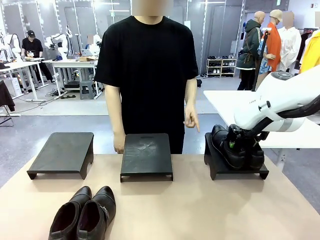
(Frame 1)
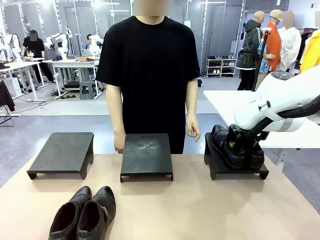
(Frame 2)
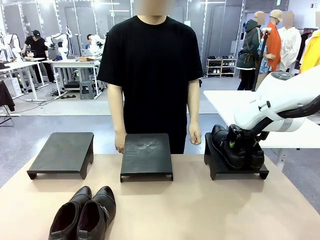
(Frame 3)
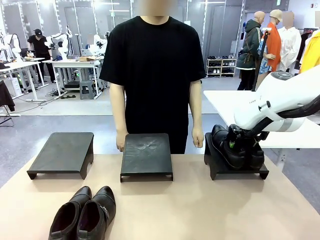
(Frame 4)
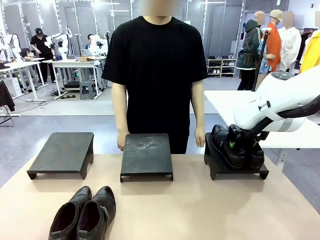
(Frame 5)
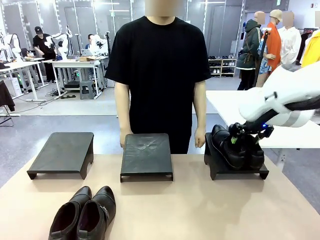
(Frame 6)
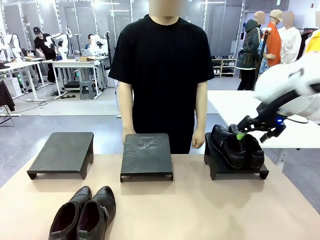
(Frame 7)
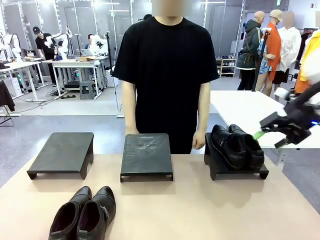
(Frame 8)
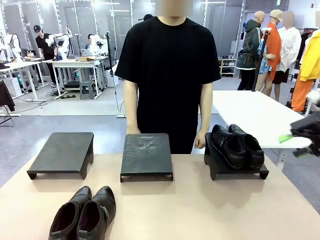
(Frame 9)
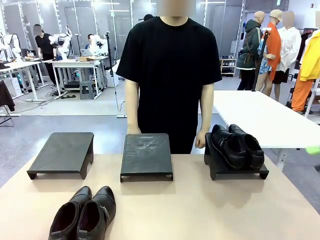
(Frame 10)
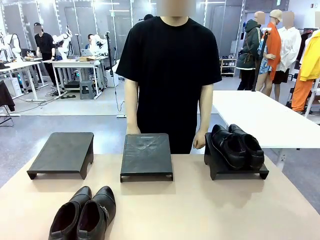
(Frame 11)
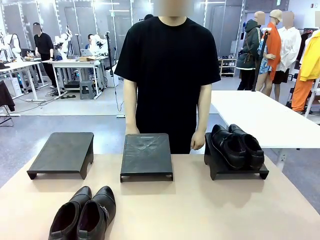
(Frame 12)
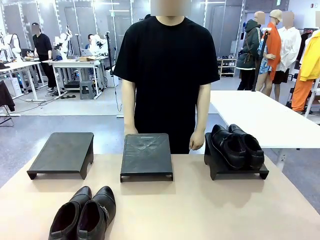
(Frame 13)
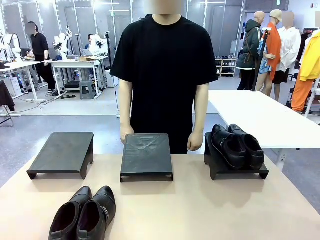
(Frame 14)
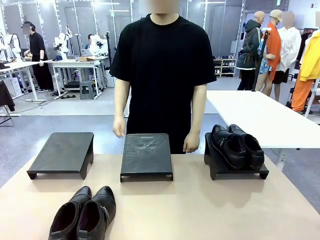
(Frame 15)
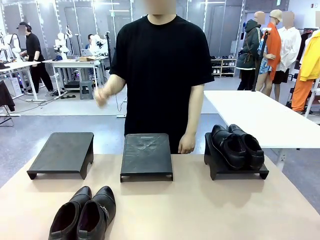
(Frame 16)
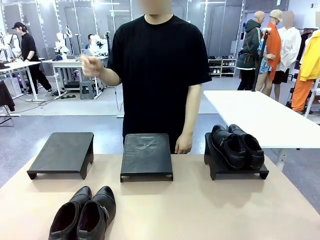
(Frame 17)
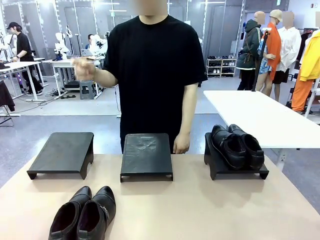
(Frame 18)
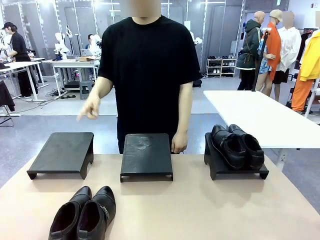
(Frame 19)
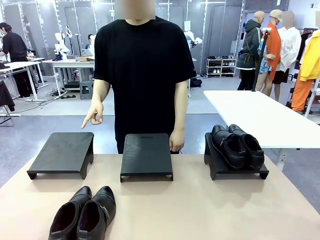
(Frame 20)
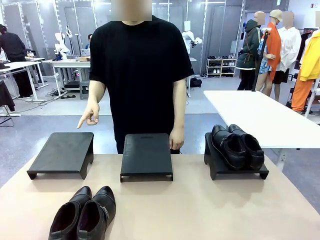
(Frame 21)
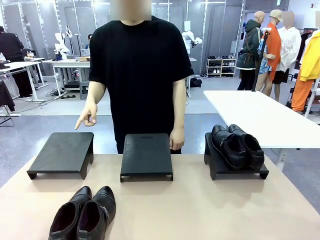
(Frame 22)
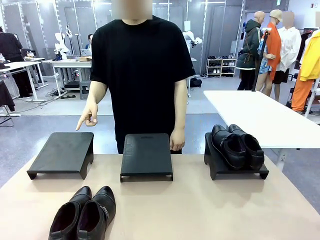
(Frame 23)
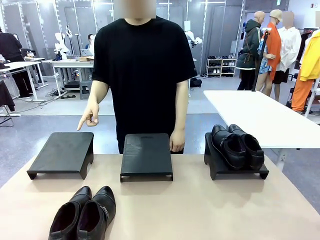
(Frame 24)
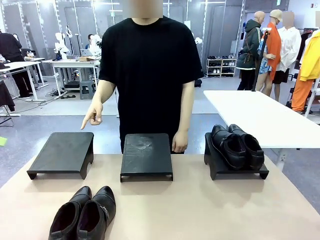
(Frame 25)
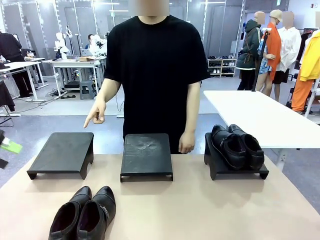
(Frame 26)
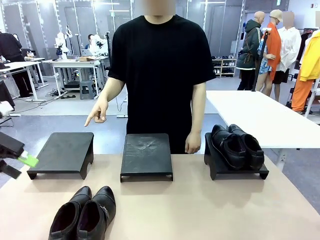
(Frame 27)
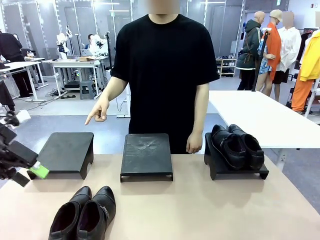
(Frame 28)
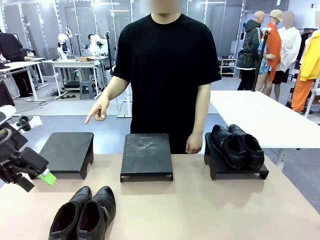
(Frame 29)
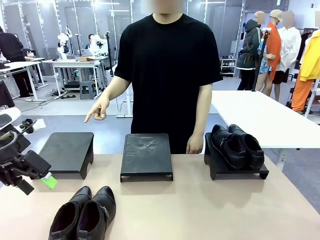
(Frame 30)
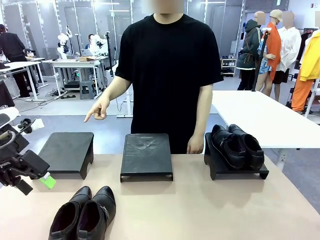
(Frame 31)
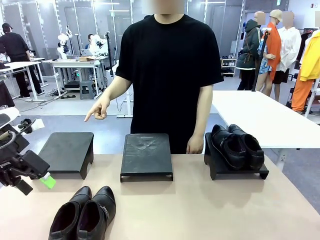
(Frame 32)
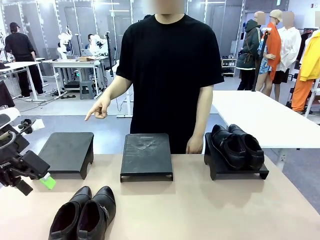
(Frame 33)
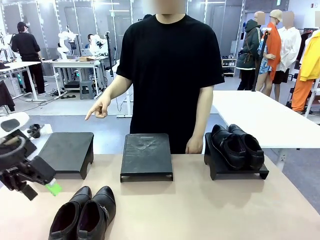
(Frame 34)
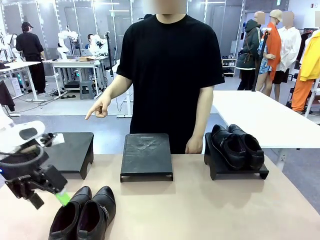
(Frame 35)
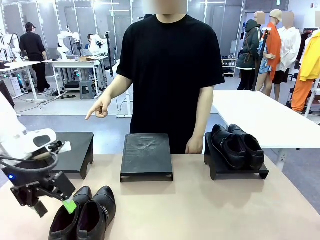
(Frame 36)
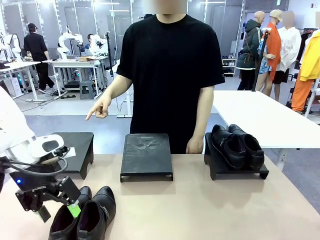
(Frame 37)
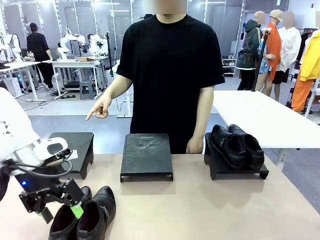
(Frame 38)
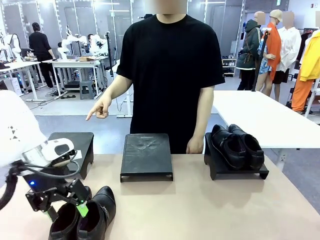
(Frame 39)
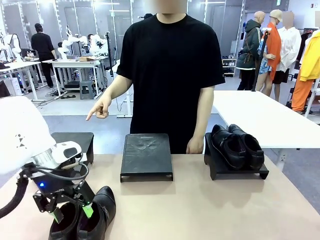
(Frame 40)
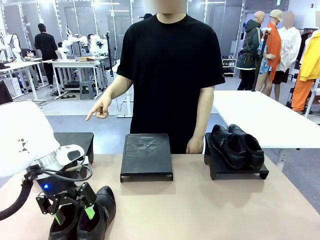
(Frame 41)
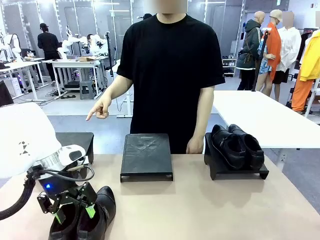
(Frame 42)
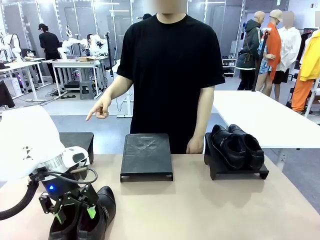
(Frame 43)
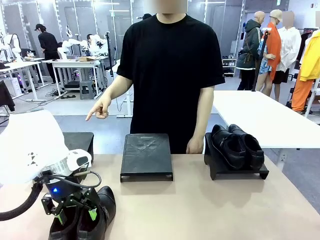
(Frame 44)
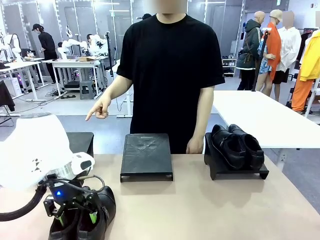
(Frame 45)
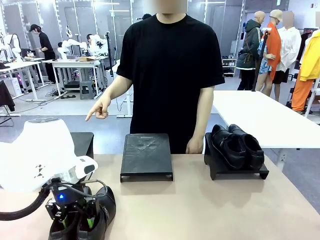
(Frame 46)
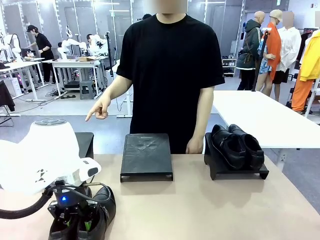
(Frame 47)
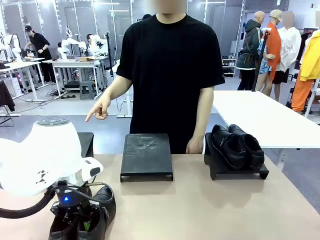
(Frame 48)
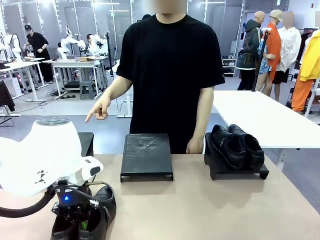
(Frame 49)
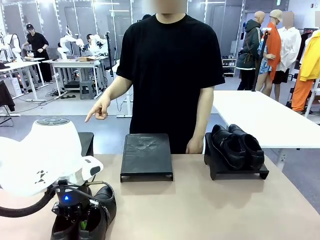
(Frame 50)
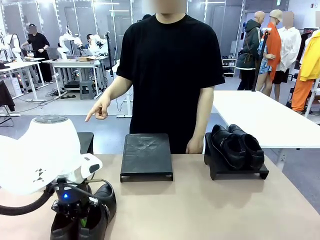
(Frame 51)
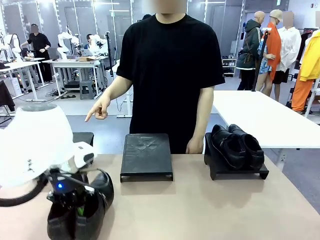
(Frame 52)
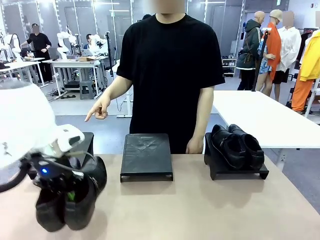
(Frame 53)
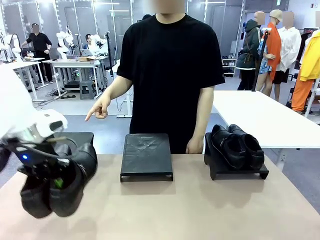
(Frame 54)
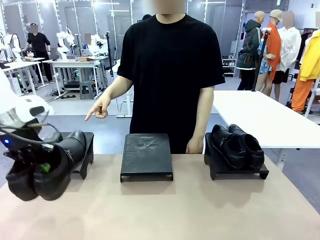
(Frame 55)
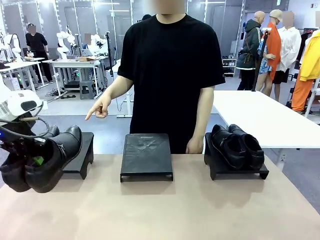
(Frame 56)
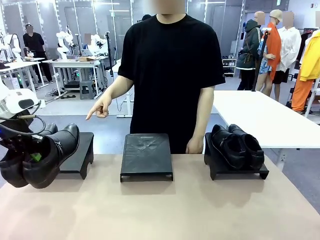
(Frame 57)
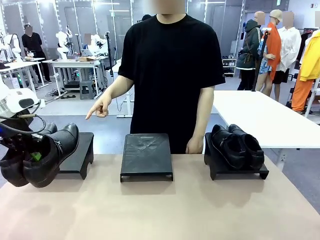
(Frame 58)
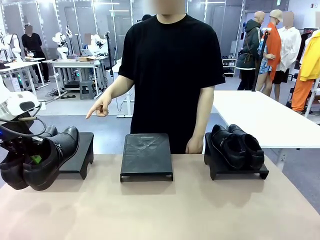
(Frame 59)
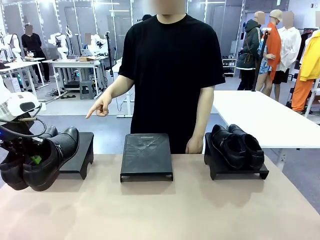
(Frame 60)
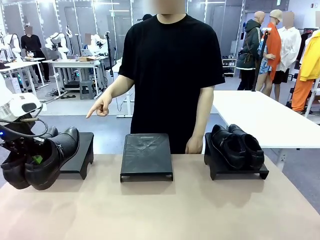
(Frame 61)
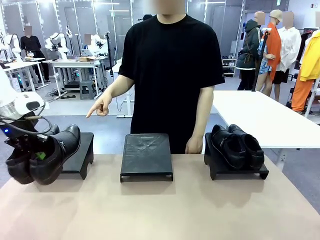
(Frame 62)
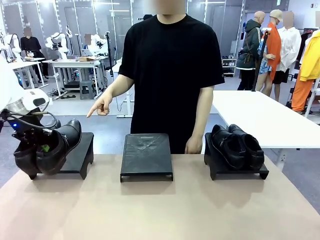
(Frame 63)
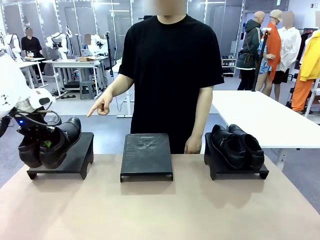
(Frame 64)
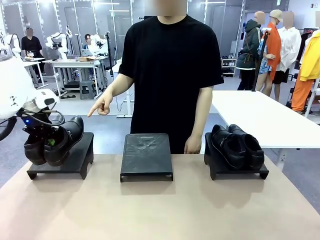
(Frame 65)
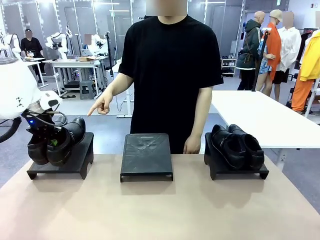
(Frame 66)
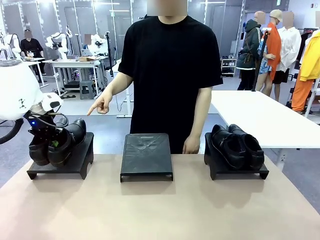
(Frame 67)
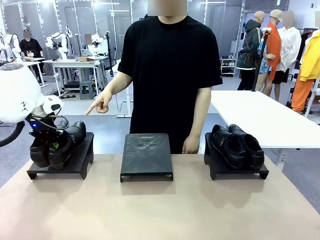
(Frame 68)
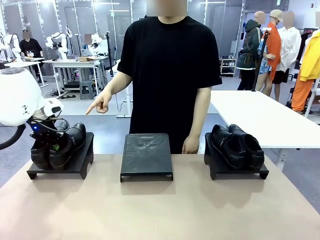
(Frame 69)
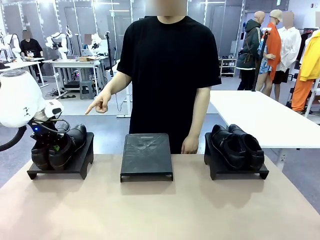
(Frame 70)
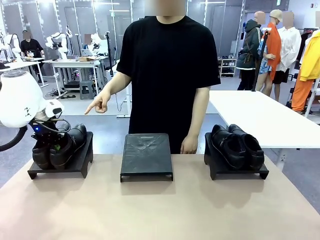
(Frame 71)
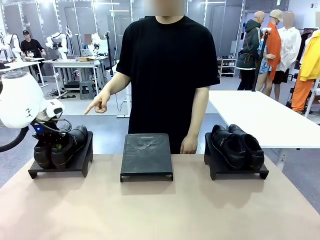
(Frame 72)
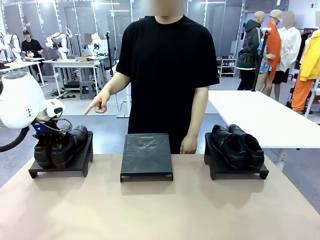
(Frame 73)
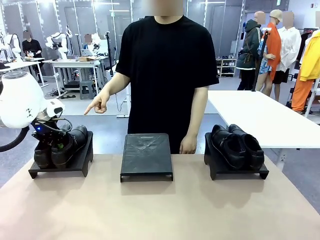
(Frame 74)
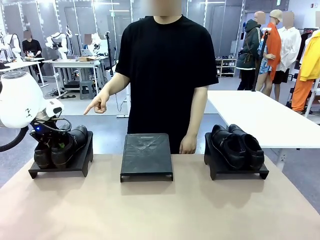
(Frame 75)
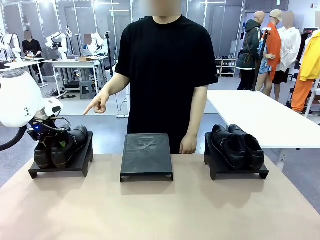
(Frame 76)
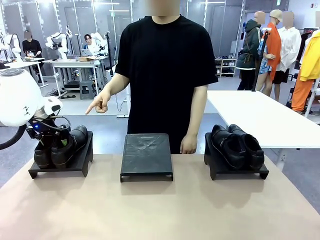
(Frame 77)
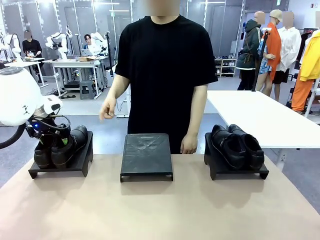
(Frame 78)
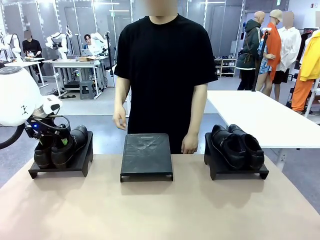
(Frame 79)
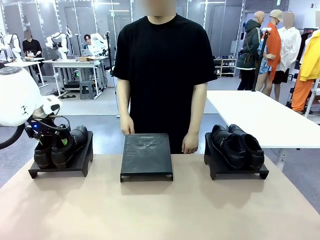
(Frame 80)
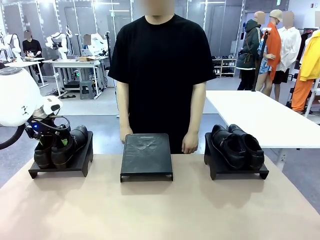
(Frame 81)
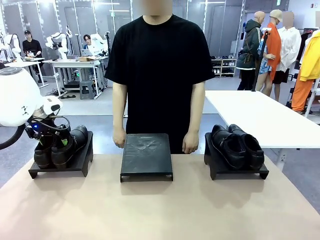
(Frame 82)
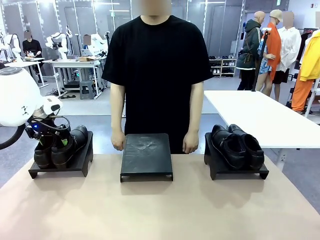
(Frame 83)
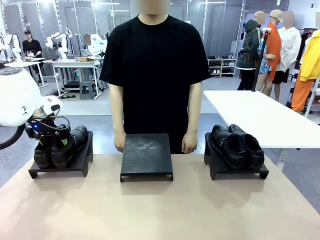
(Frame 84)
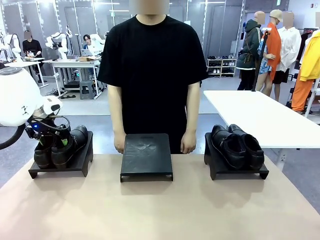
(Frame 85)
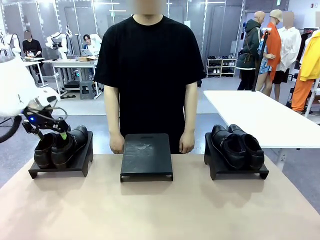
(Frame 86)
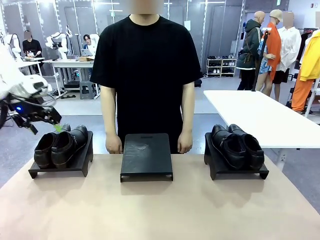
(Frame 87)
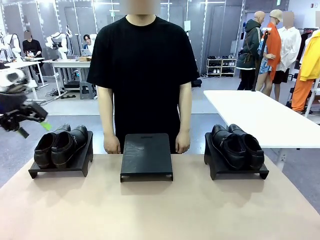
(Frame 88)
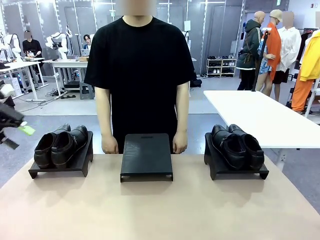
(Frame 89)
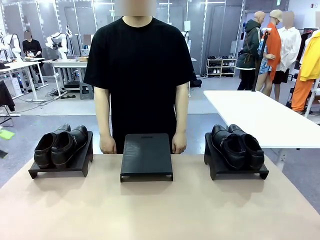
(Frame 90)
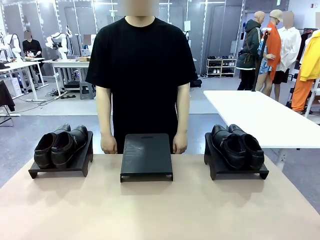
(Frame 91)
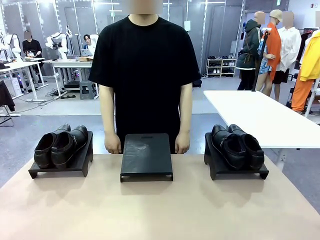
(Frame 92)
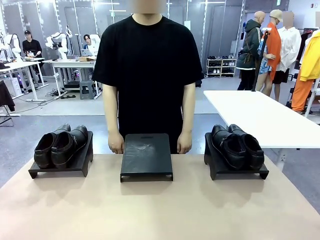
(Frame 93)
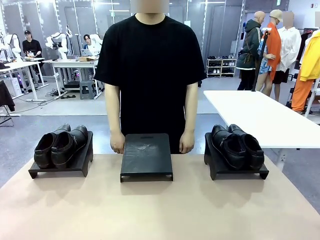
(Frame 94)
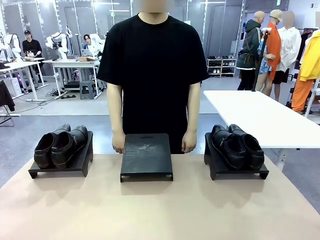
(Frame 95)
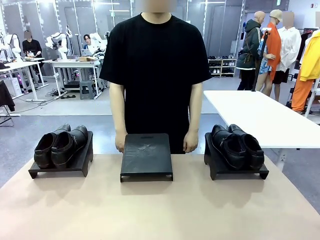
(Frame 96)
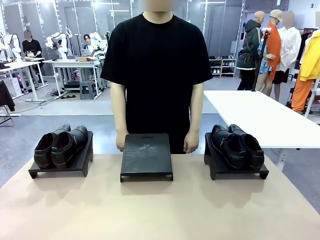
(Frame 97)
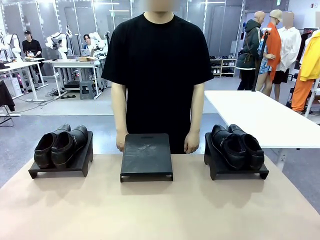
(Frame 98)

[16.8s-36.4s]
Task: Place the shoes on the stand as instructed by the person.
Robot: Pick up another pair of Shoes and place it on the Shoes Stand indicated by the person.
Person: Point to one Shoes Stand.
